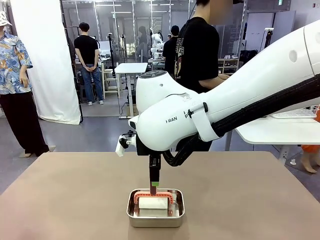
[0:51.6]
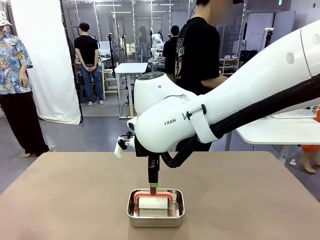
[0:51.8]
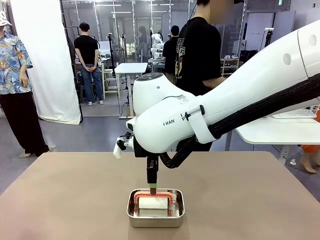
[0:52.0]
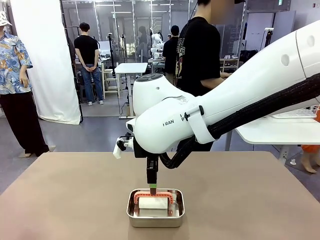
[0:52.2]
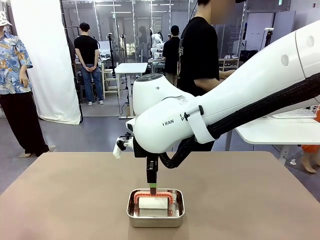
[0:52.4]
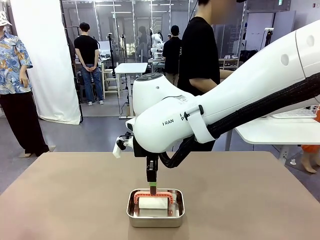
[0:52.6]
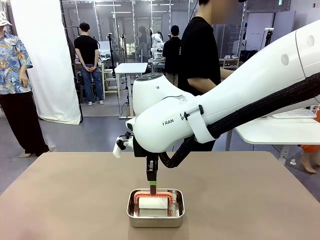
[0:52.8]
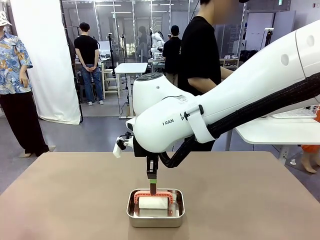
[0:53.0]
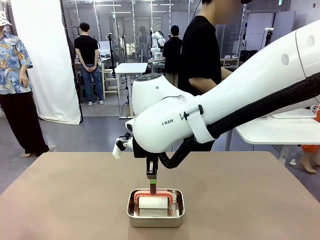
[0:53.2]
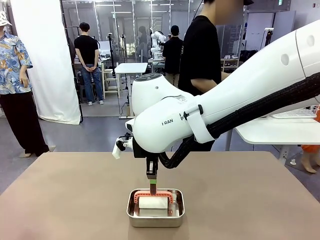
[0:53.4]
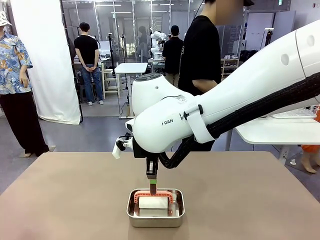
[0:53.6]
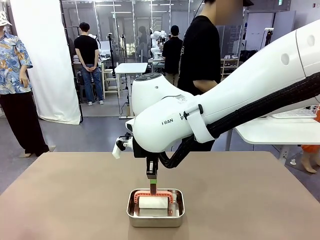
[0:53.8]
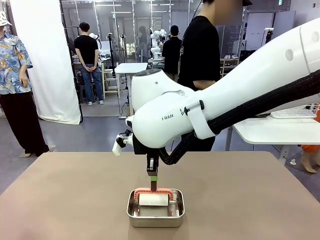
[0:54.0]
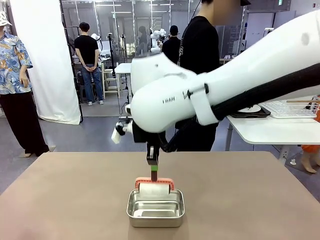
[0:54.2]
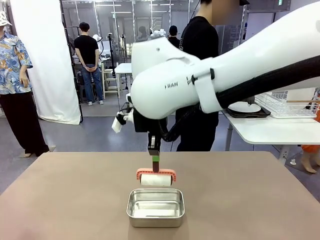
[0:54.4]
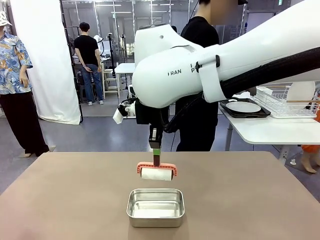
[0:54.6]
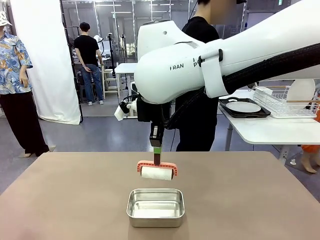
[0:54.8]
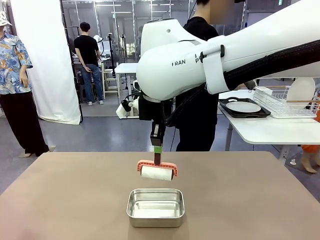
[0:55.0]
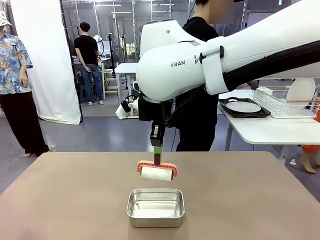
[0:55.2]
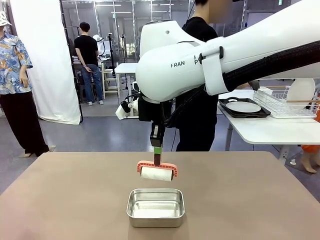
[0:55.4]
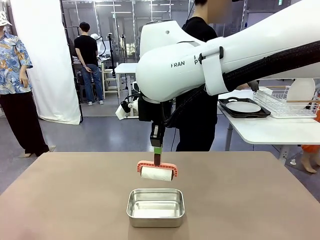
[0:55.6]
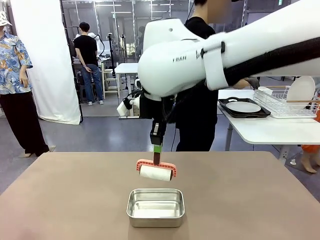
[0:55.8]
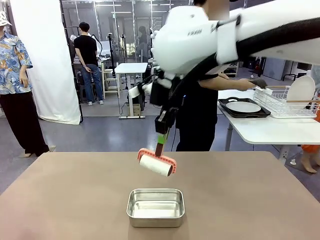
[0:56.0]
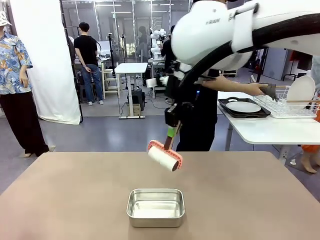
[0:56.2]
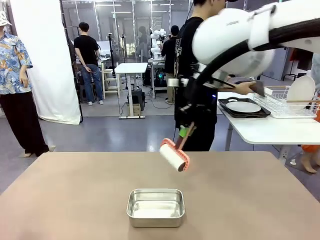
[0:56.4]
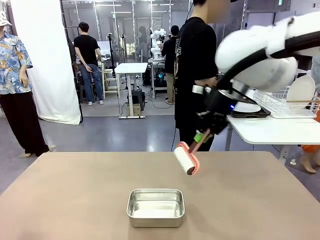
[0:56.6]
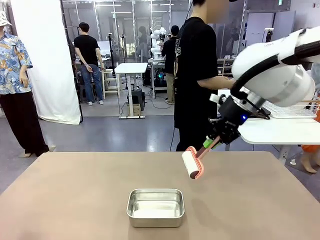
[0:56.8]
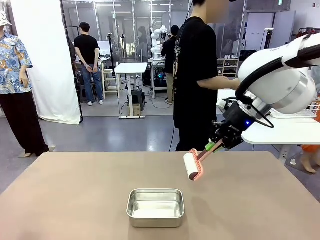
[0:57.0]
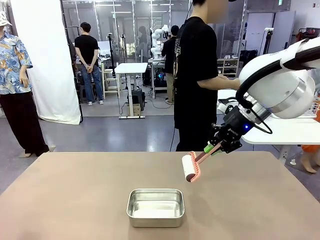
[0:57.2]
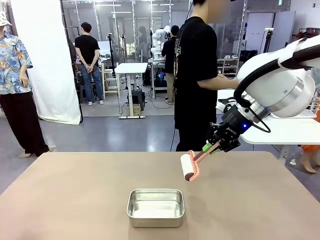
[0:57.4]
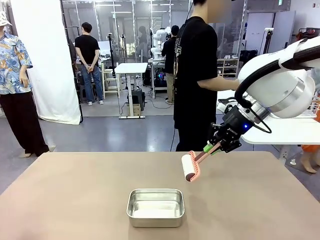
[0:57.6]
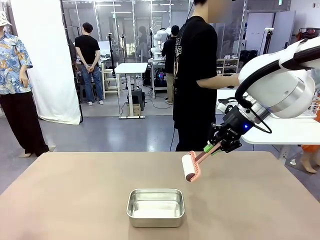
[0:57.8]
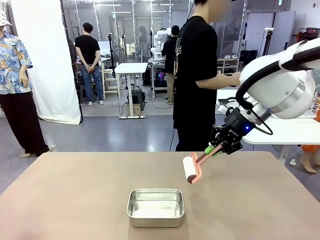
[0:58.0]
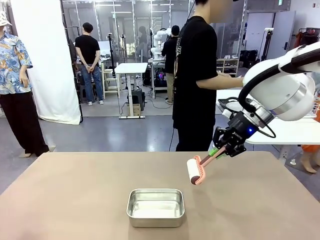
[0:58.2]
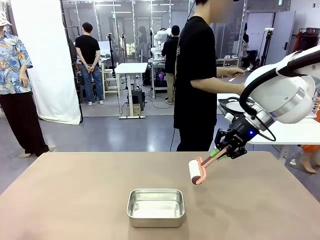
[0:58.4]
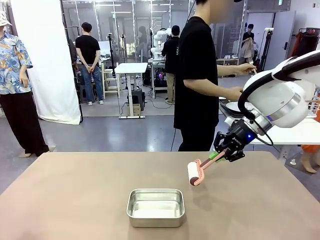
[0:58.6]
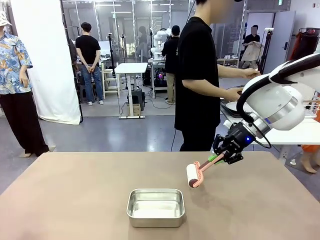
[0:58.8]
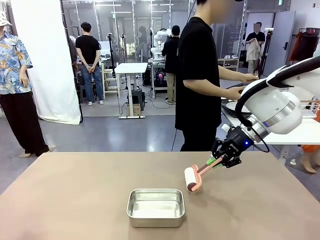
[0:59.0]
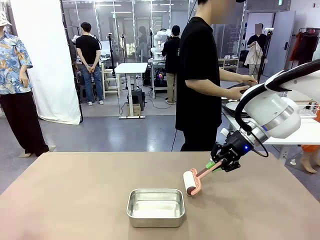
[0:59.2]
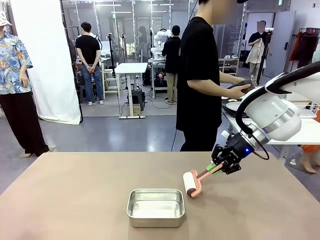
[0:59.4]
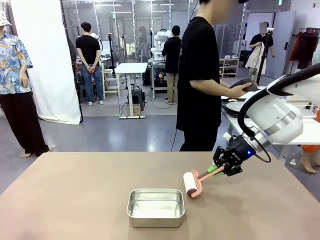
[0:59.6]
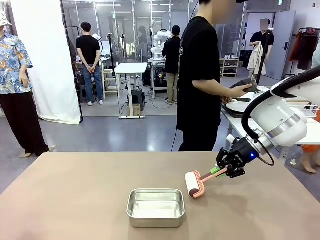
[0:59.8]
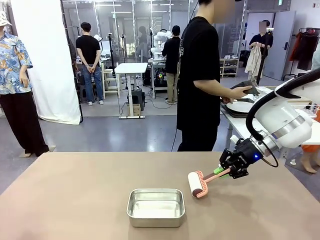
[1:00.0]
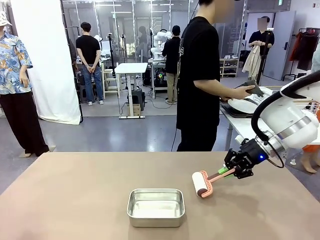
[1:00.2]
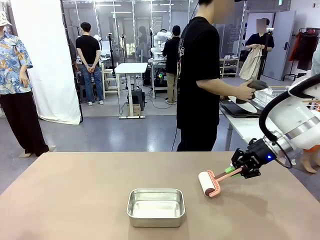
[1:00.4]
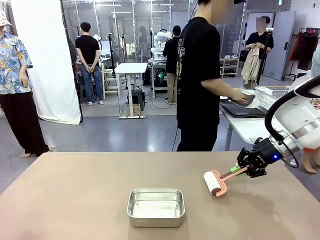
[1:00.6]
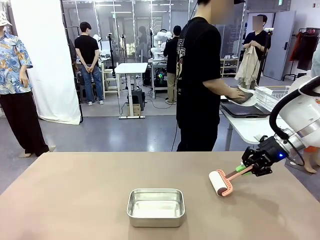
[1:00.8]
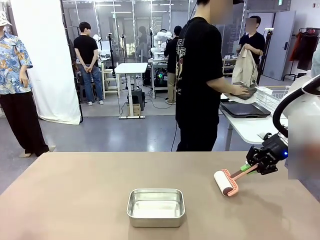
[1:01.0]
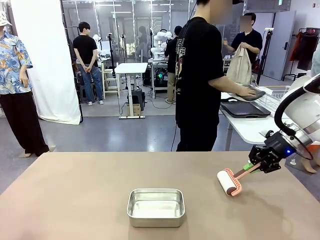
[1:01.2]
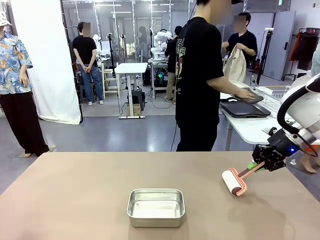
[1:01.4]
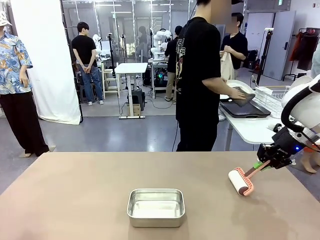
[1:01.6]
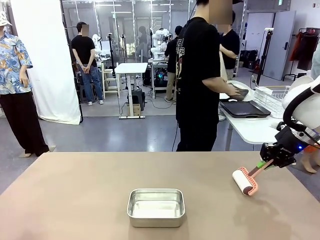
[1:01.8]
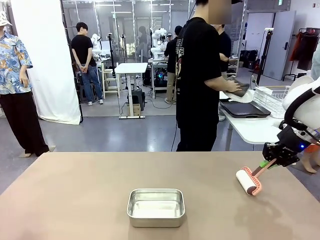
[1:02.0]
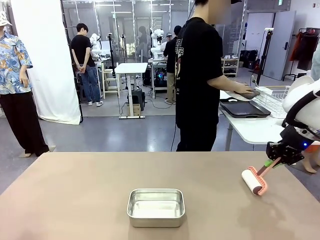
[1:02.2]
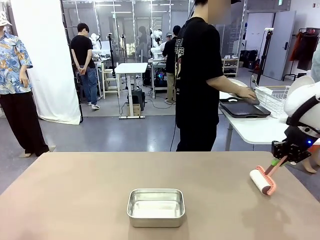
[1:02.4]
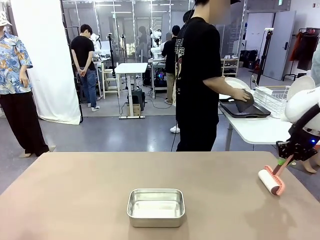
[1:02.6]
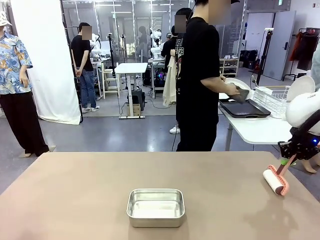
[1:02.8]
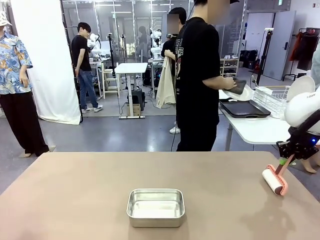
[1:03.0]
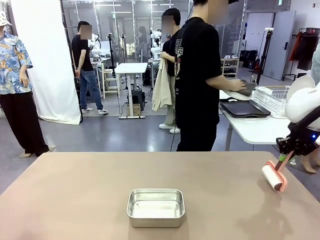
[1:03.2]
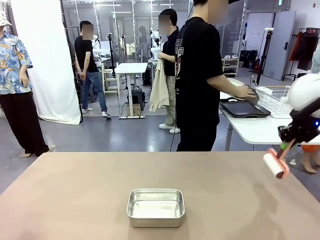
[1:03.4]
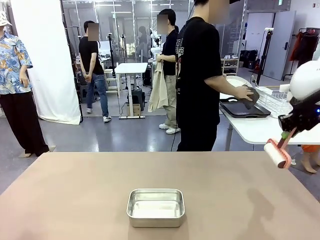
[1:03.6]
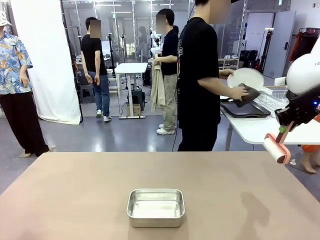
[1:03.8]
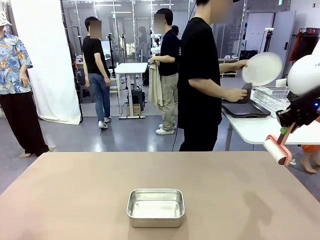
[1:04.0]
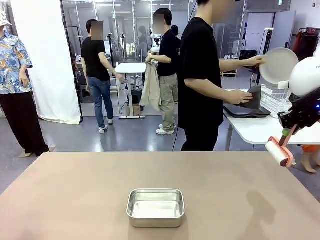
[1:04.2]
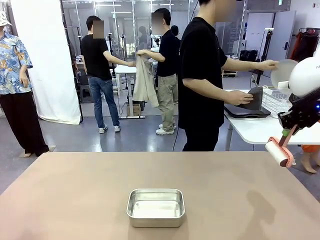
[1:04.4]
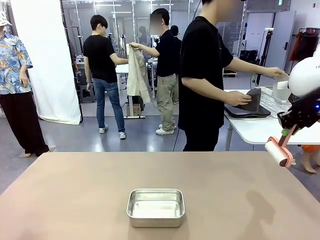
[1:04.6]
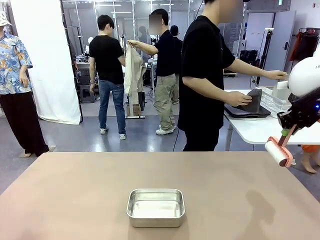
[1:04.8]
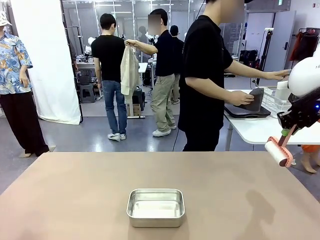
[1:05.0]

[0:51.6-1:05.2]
Robot: When the right (or left) Handle tray is removed, use the right hand (or left hand) to clean the right (or left) side of the table with the Lint Roller.

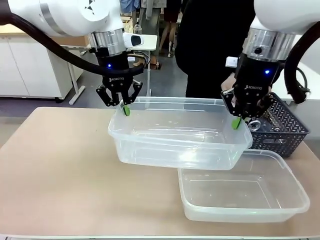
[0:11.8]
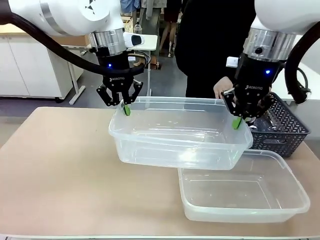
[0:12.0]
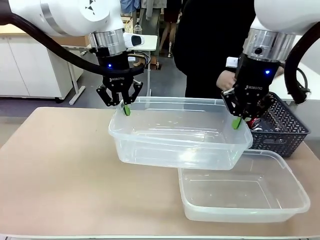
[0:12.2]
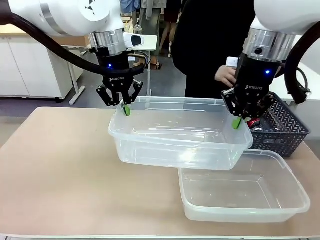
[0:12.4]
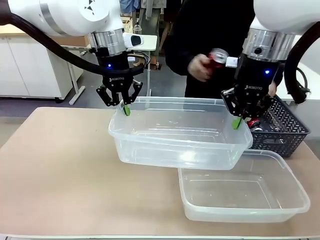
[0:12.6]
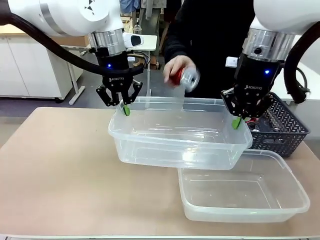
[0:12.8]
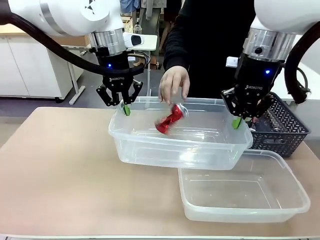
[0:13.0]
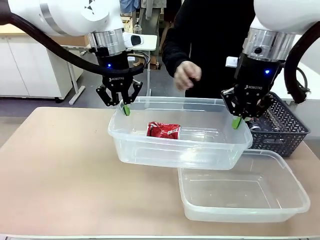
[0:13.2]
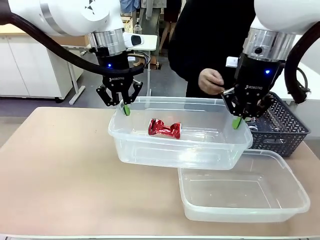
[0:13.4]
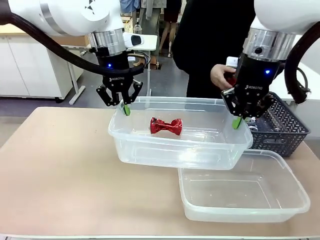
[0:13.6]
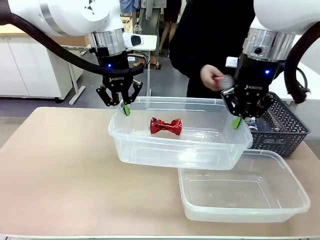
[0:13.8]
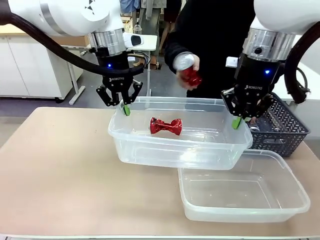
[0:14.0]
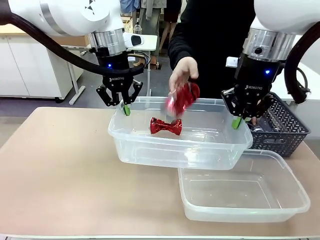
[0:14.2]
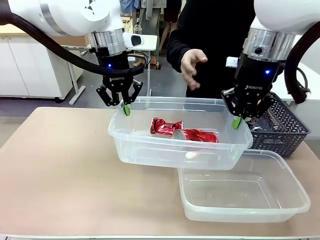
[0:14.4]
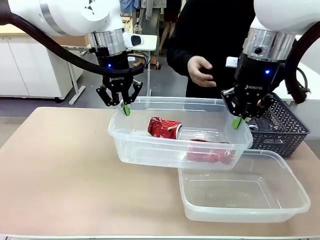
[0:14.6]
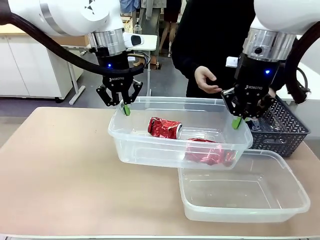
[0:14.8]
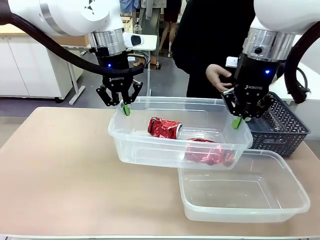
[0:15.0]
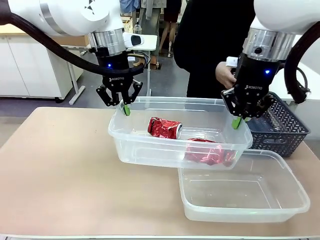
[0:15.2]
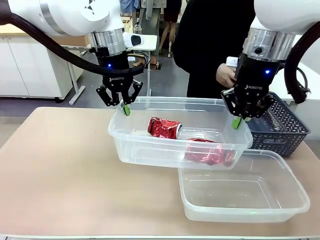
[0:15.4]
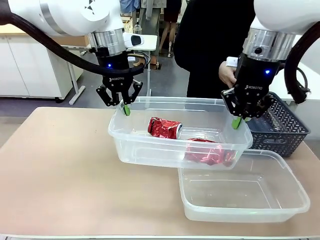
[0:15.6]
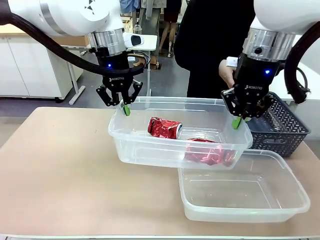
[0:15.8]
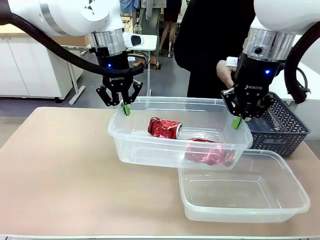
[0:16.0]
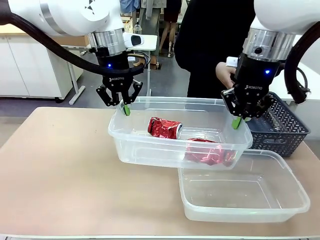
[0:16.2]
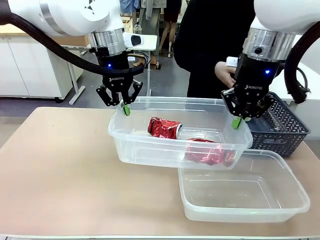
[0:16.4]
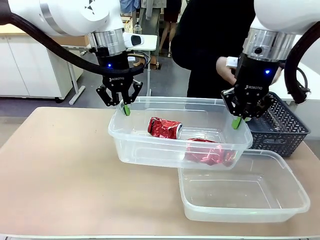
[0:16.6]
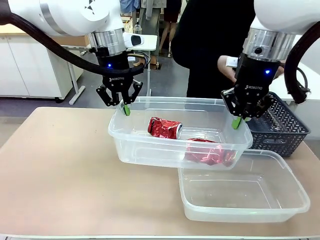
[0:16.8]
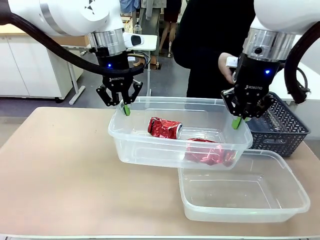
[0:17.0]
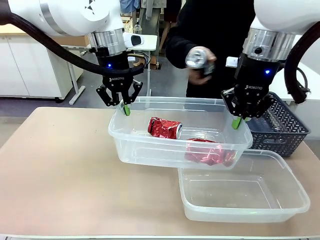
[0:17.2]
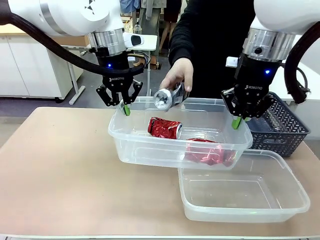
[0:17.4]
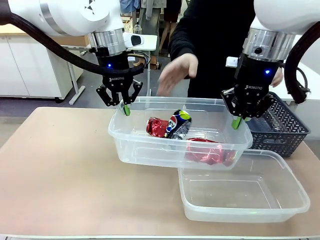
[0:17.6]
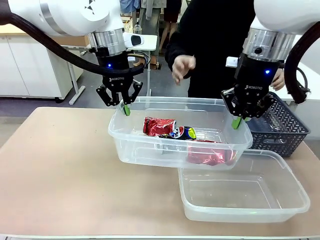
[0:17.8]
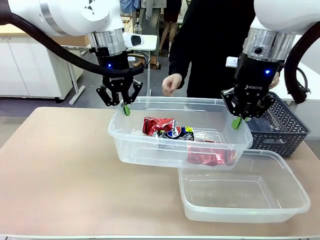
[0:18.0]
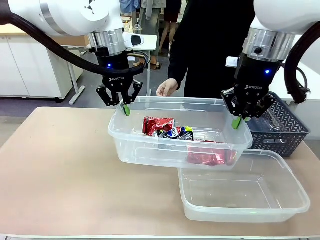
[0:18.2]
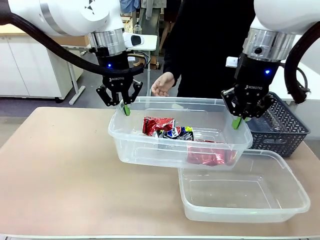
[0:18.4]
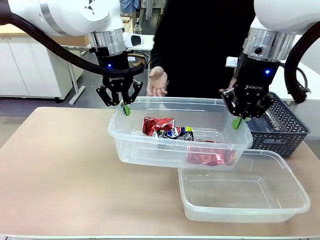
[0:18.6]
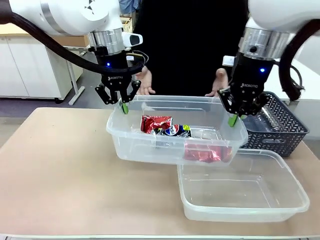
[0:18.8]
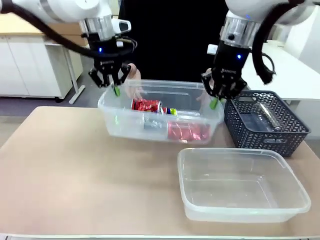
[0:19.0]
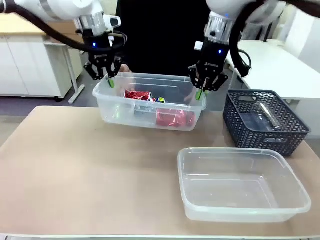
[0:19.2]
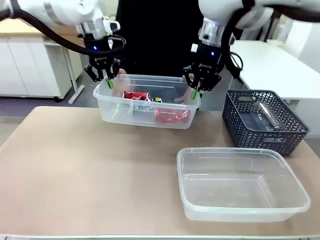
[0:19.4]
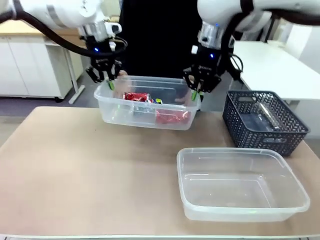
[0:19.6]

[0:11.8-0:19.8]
Robot: Offer the picked Organizing box to the human.

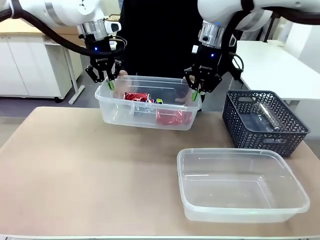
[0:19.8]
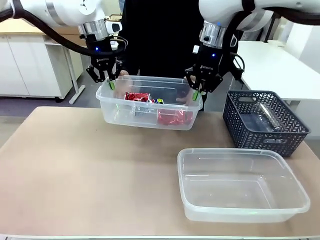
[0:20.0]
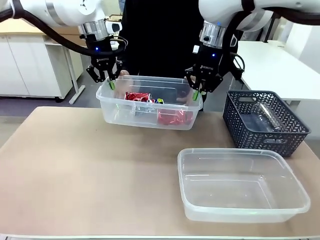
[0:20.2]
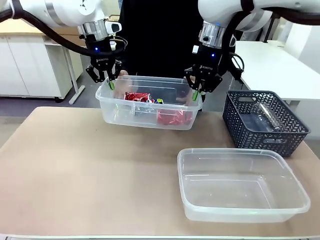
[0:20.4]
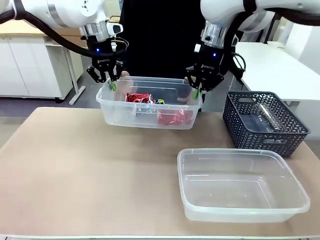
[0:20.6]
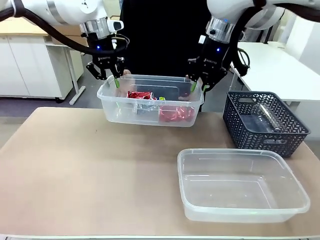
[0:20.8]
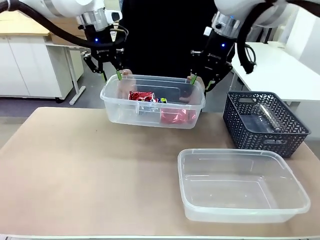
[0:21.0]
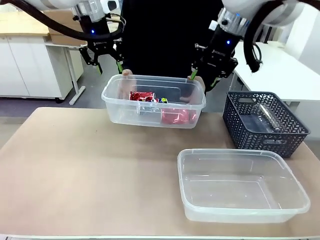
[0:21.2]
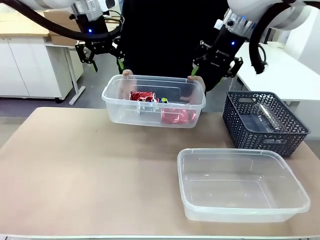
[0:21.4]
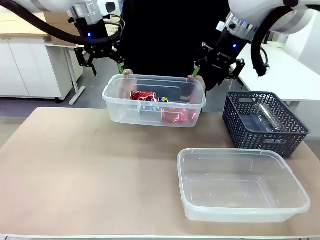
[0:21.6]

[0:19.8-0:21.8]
Robot: Release the Organizing box you were holding.
